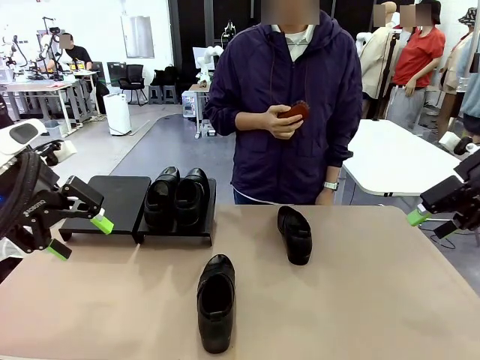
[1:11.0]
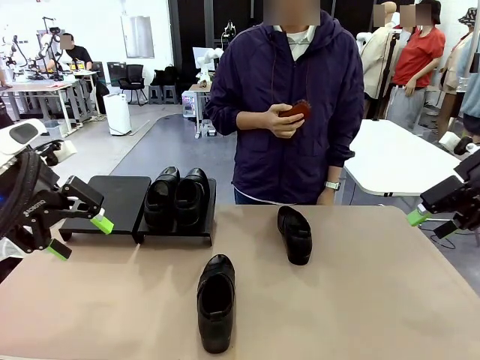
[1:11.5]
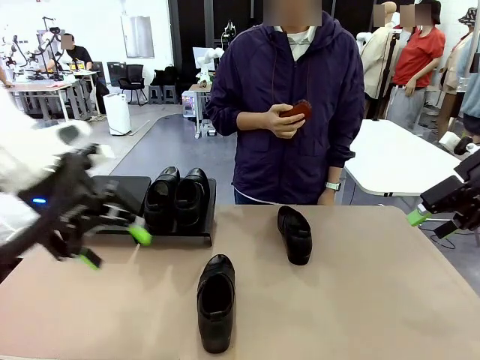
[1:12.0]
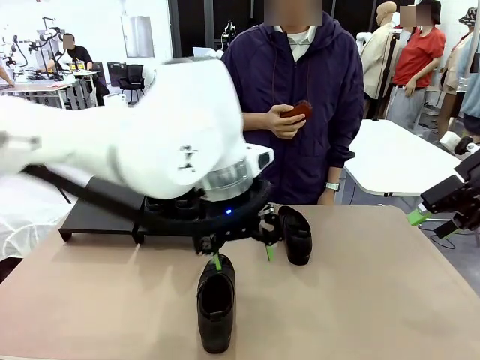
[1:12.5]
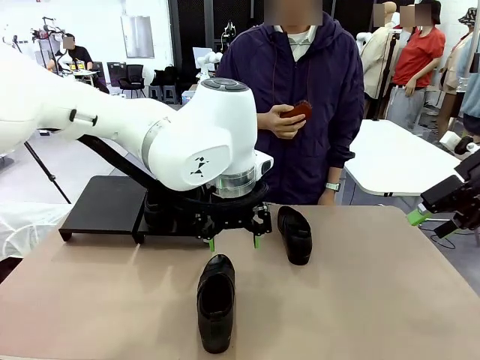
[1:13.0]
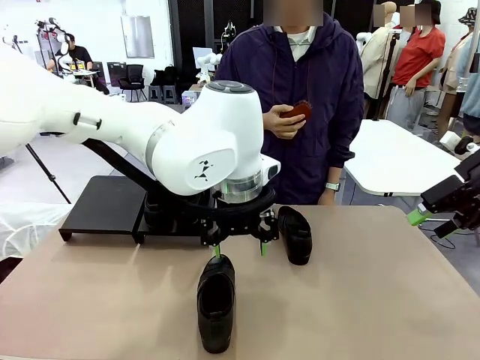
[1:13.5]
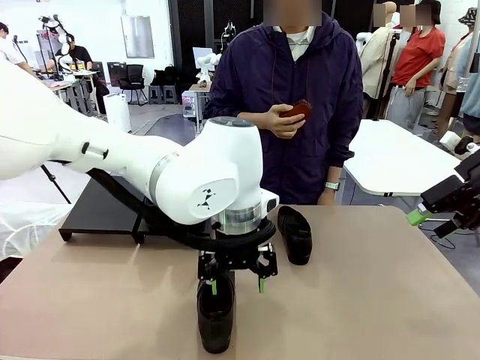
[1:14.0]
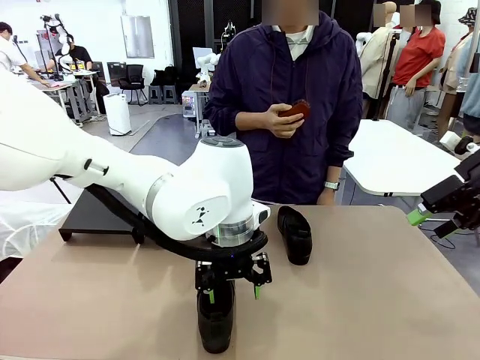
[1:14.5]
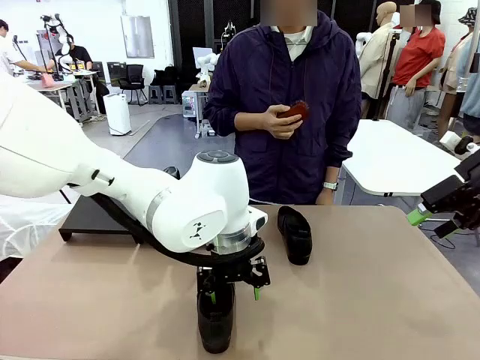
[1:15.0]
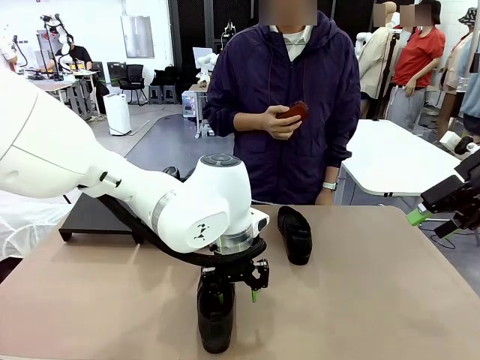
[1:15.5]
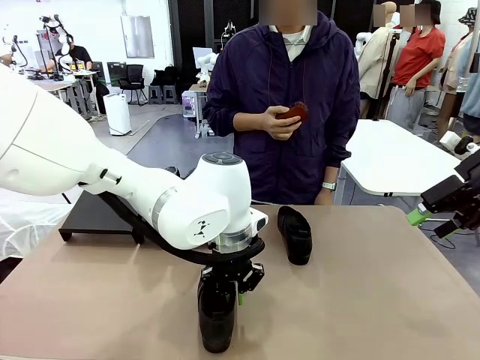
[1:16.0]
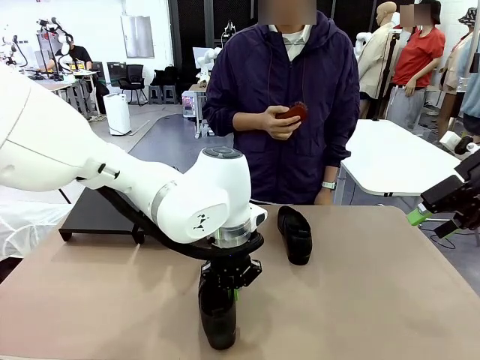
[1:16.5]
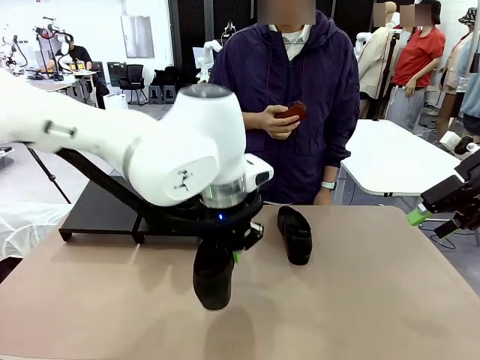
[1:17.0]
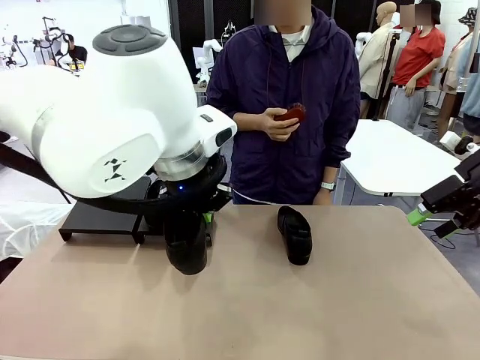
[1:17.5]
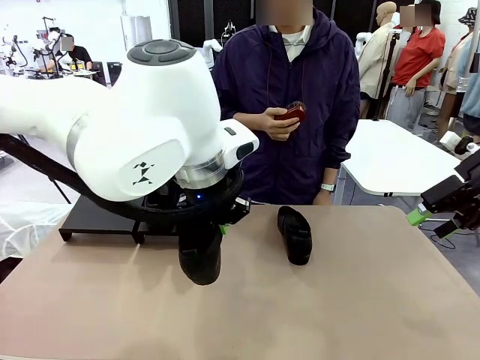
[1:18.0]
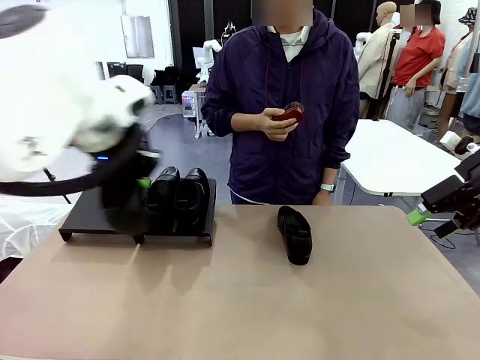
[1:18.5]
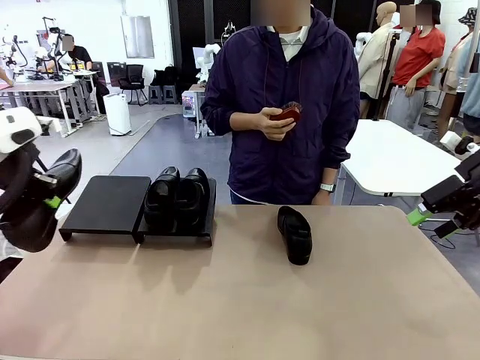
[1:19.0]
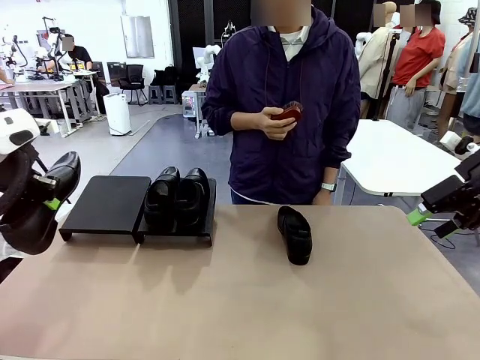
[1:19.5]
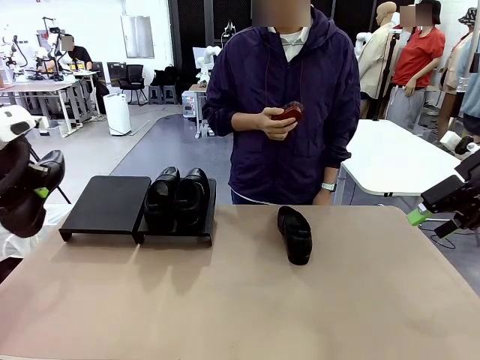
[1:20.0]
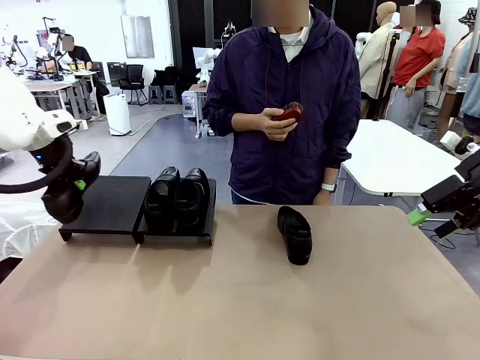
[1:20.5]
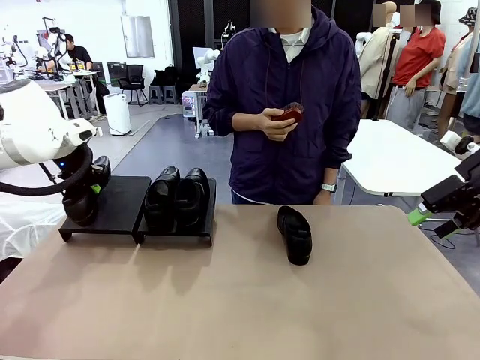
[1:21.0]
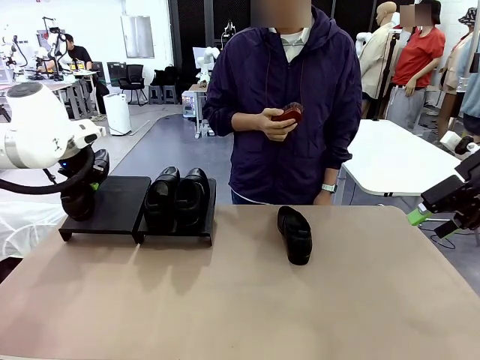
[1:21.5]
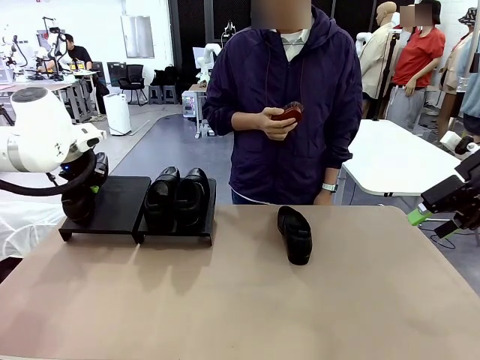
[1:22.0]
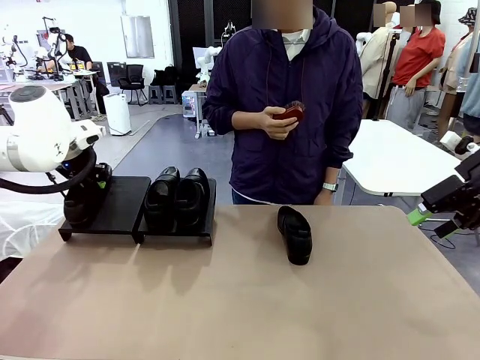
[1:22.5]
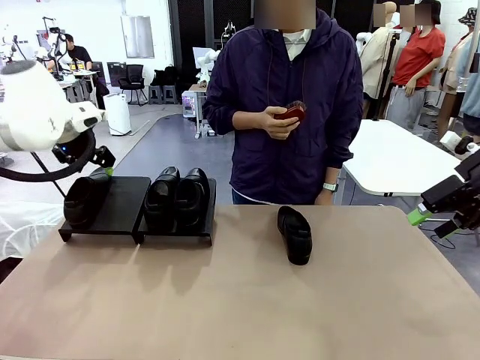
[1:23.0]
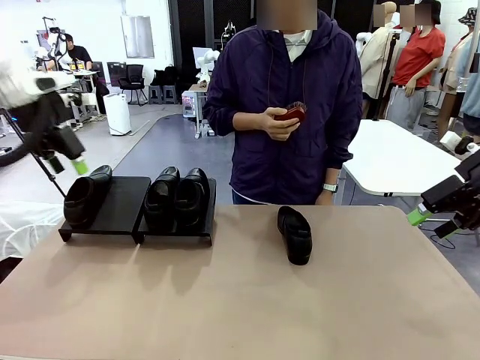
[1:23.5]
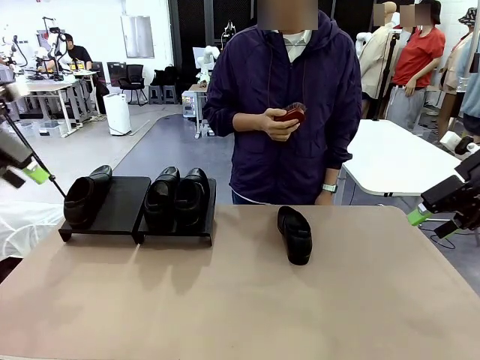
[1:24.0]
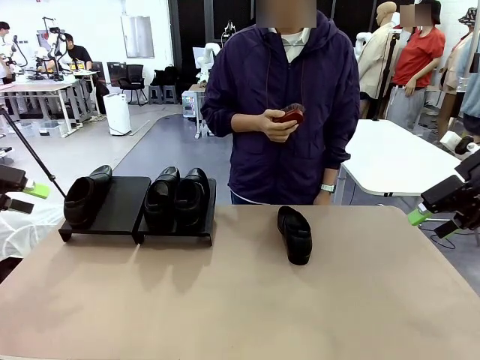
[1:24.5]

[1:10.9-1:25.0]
Task: Organize the shoes by placing them on the stand.
Robot: Place the Shoe from the middle of the table onto the Shoes Stand.

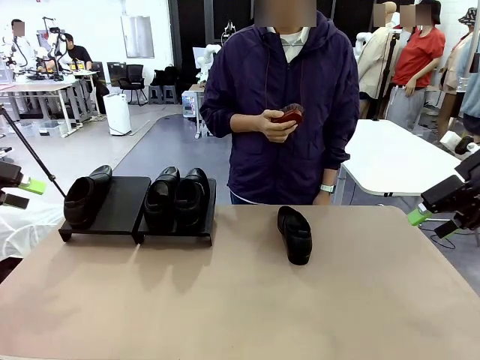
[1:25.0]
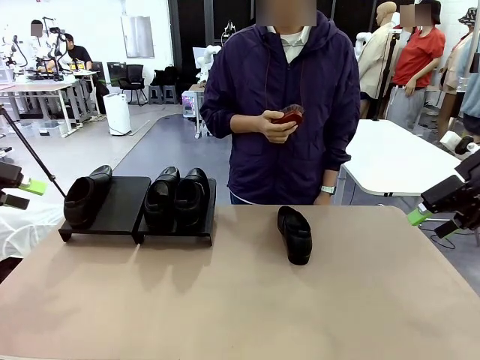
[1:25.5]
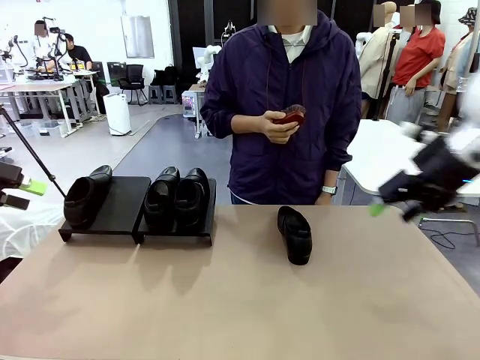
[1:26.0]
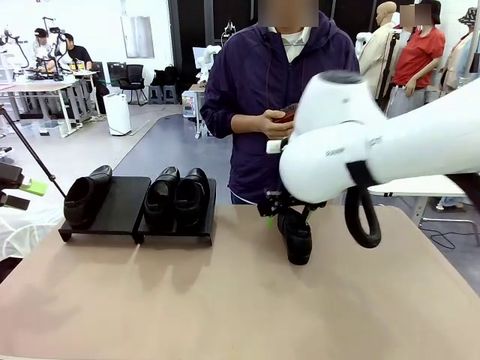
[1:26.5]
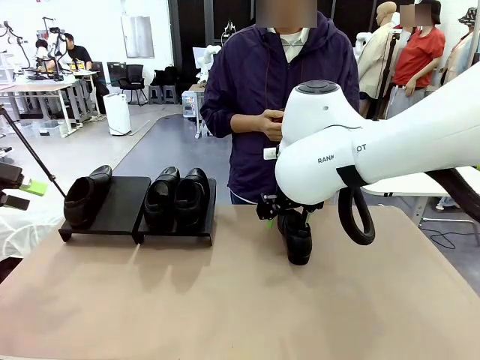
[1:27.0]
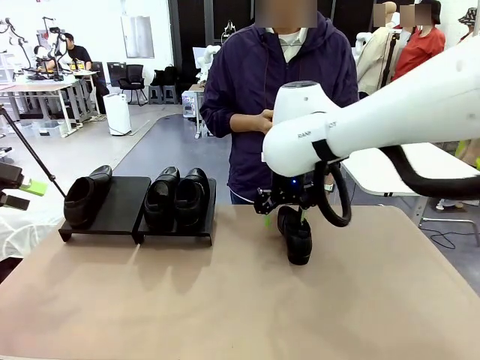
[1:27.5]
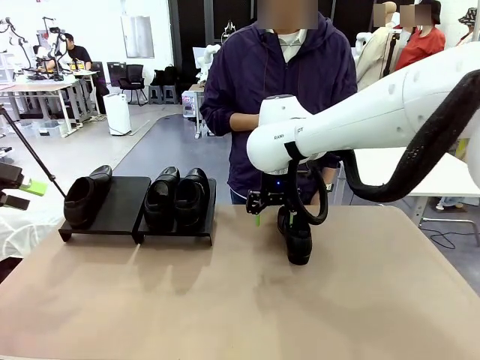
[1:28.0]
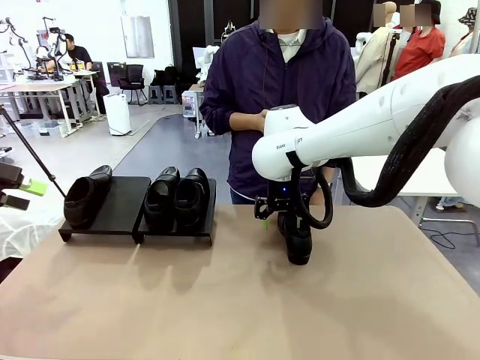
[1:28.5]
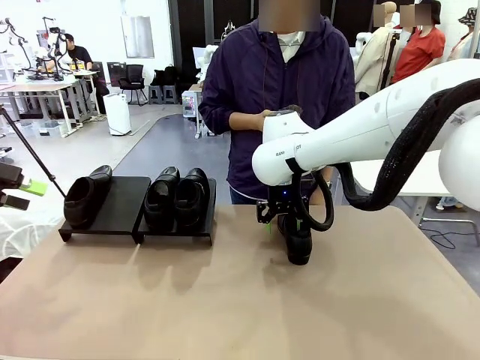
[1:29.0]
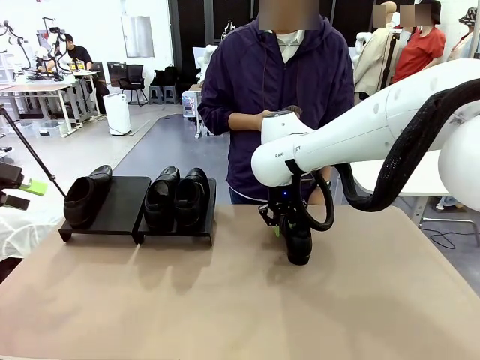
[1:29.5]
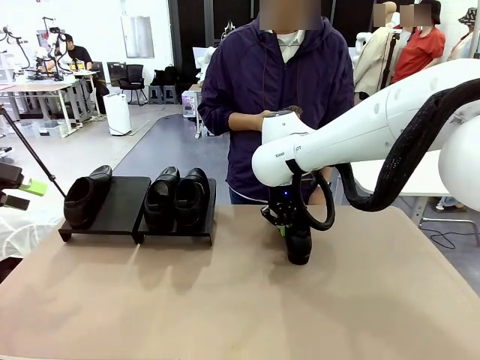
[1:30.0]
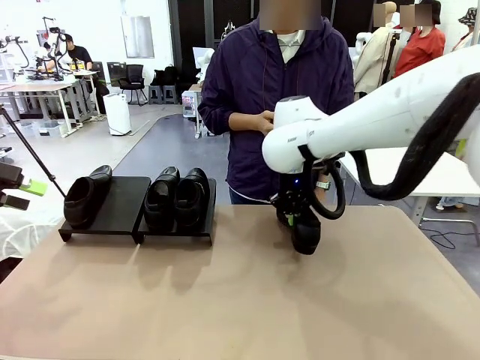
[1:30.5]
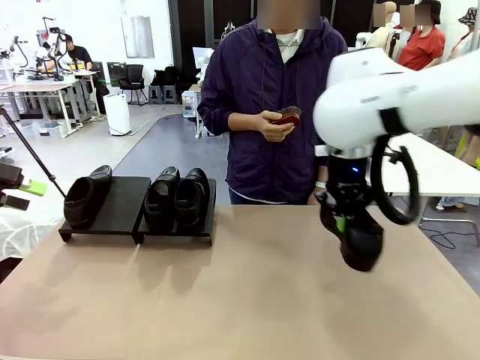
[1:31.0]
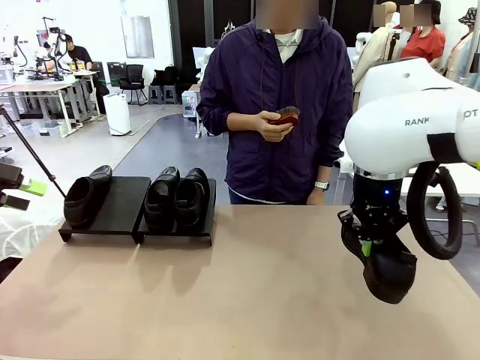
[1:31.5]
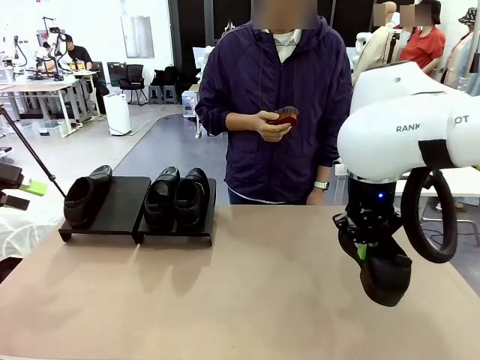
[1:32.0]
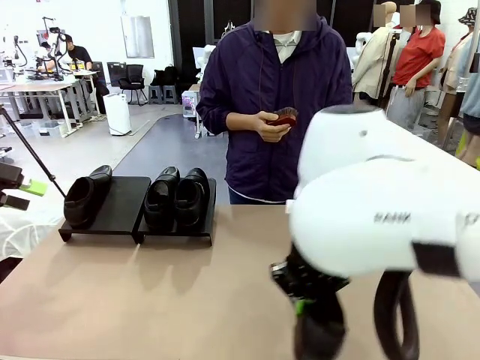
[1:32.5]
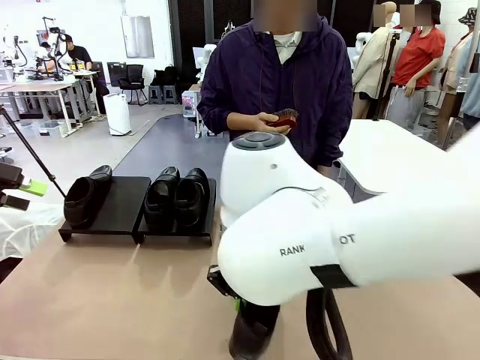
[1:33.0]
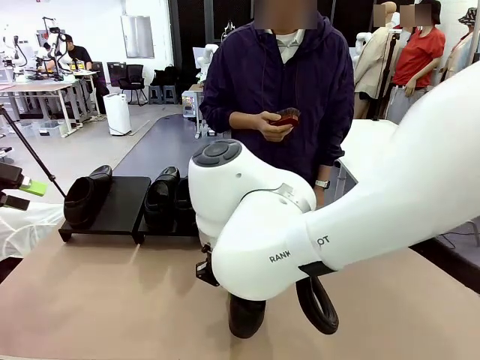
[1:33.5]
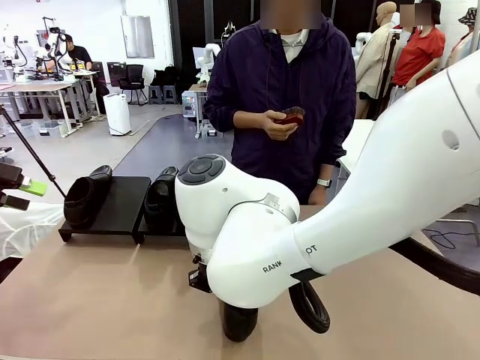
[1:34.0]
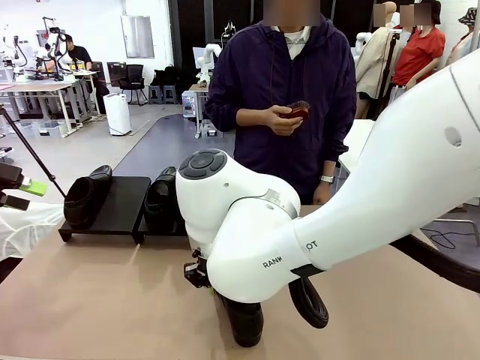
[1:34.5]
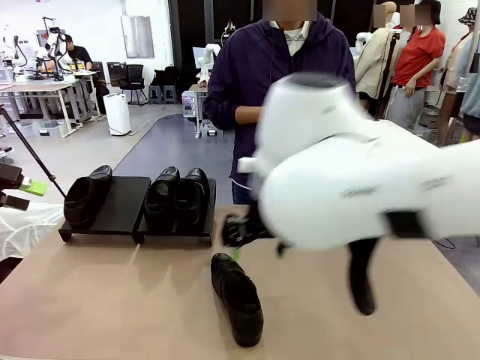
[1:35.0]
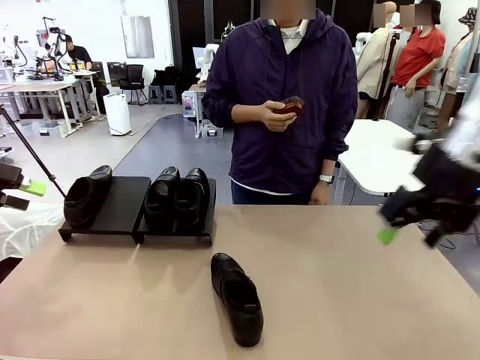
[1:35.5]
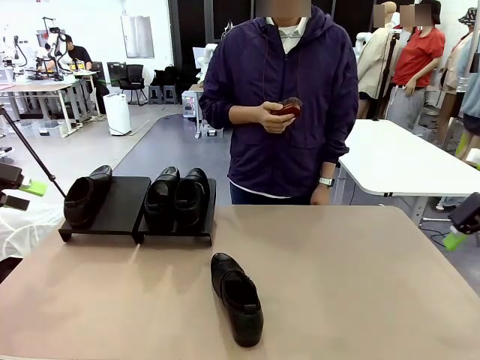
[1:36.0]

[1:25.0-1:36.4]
Robot: Pick up one Shoe and place it in the middle of the table.
